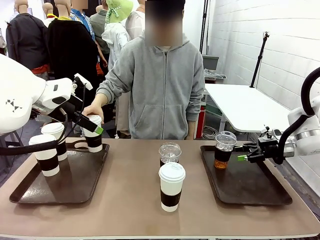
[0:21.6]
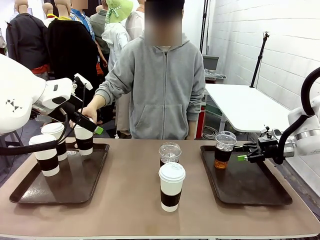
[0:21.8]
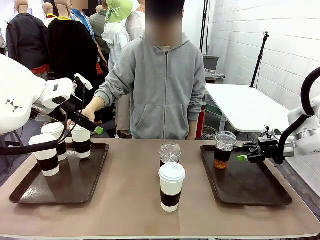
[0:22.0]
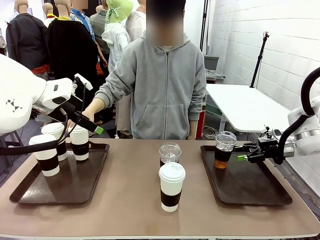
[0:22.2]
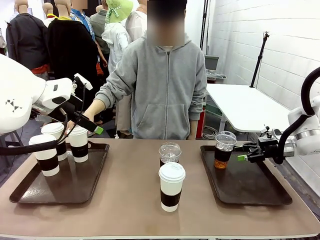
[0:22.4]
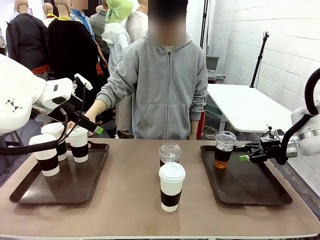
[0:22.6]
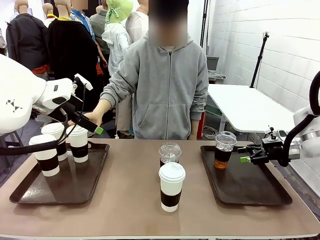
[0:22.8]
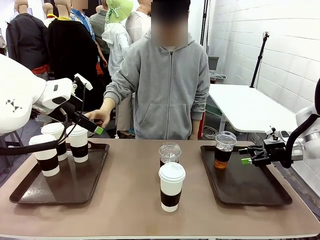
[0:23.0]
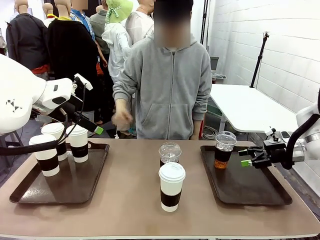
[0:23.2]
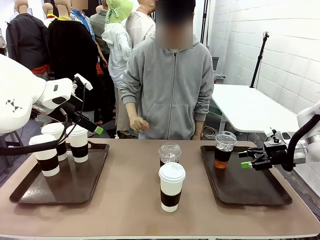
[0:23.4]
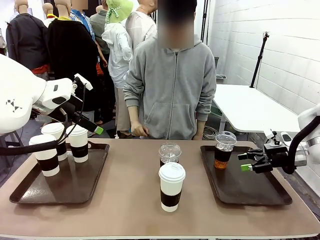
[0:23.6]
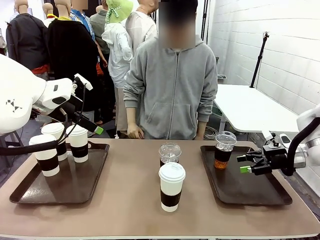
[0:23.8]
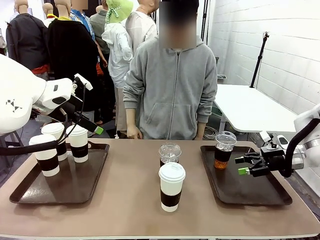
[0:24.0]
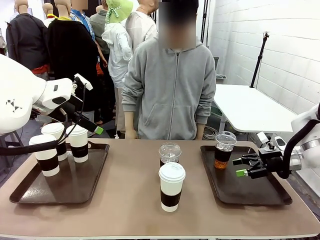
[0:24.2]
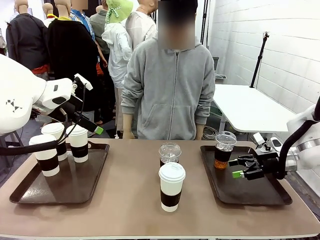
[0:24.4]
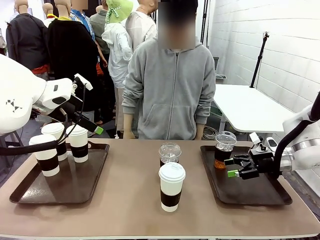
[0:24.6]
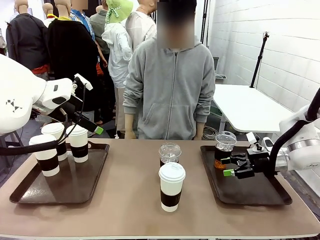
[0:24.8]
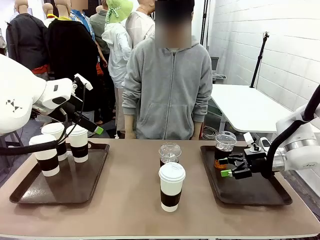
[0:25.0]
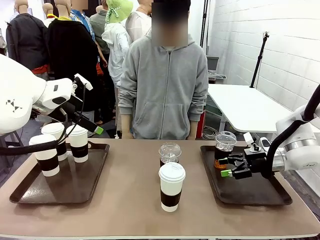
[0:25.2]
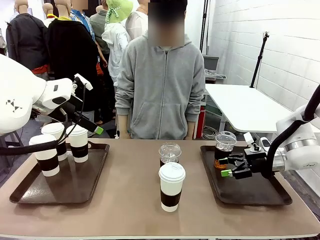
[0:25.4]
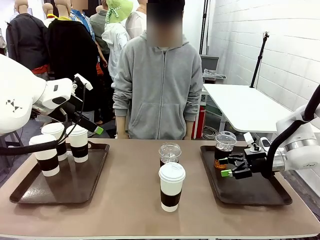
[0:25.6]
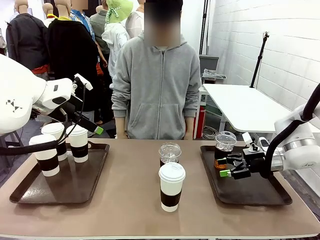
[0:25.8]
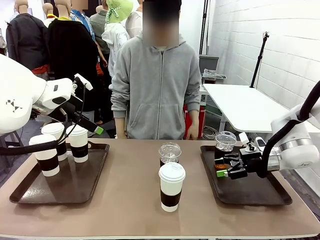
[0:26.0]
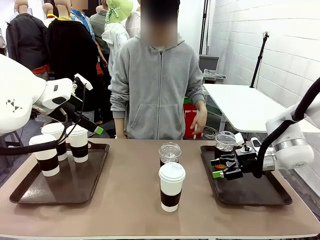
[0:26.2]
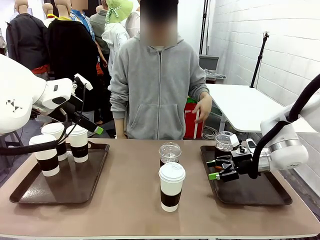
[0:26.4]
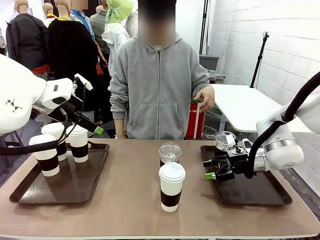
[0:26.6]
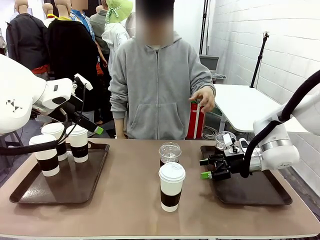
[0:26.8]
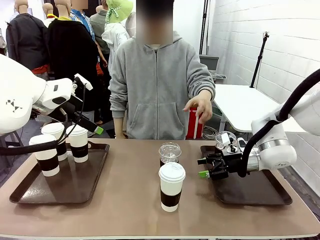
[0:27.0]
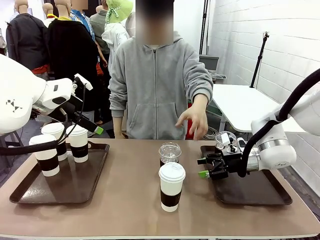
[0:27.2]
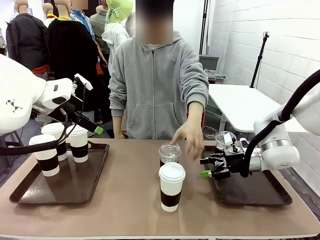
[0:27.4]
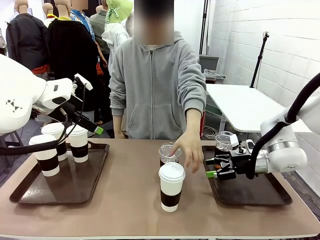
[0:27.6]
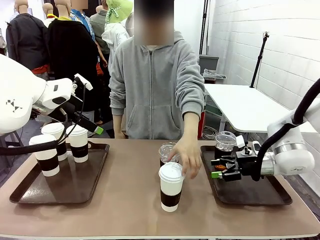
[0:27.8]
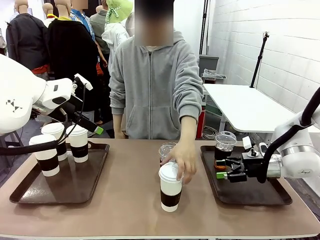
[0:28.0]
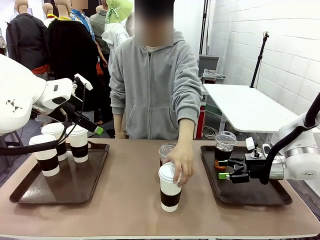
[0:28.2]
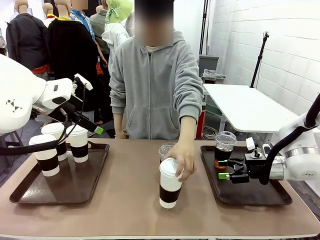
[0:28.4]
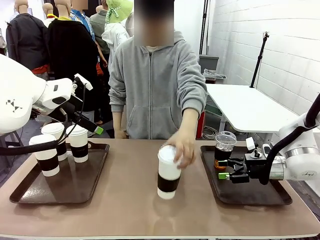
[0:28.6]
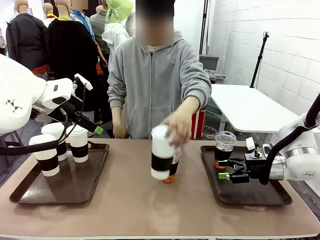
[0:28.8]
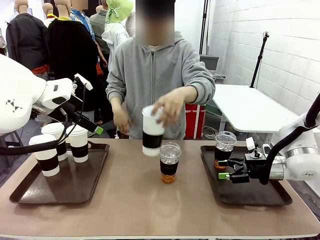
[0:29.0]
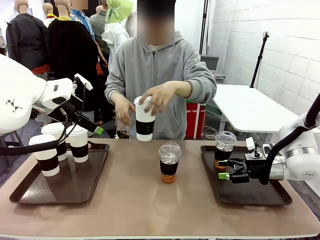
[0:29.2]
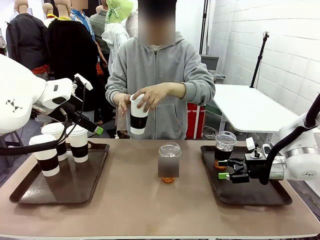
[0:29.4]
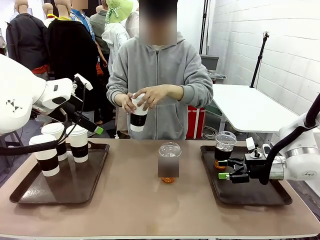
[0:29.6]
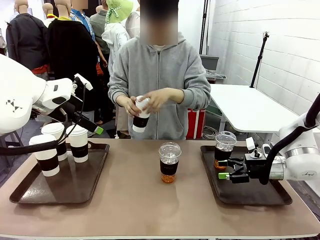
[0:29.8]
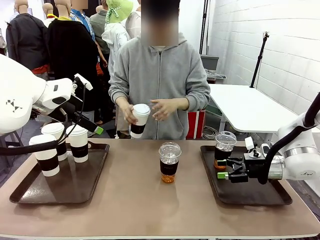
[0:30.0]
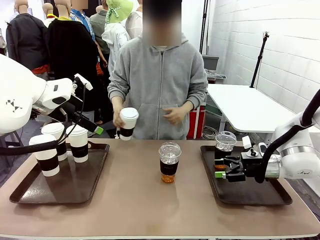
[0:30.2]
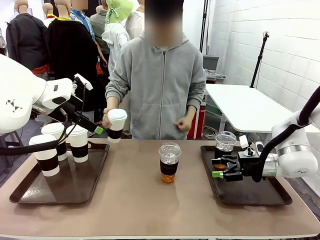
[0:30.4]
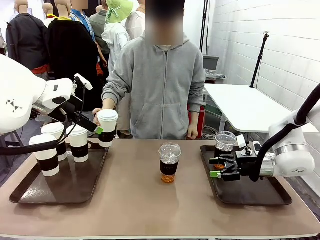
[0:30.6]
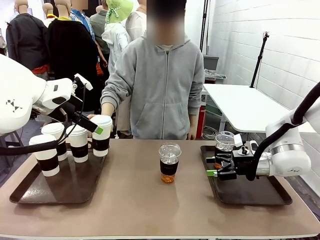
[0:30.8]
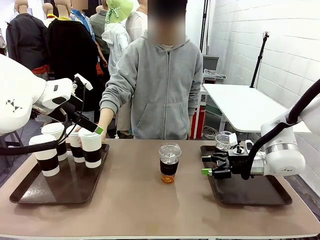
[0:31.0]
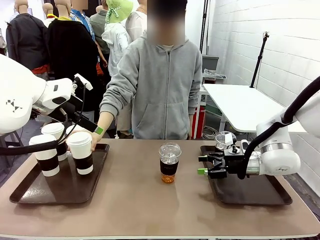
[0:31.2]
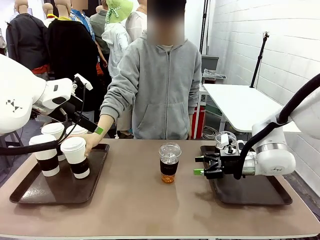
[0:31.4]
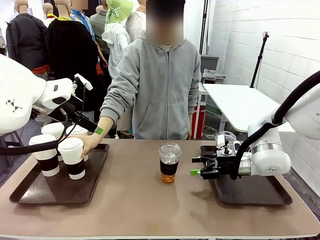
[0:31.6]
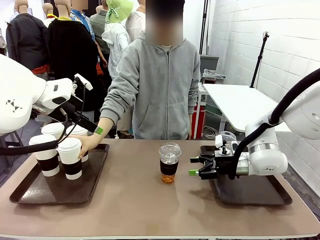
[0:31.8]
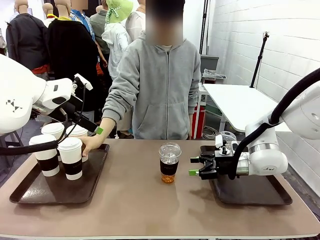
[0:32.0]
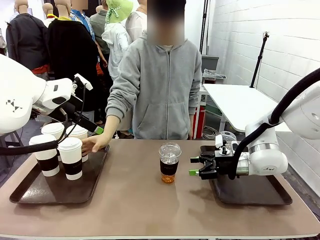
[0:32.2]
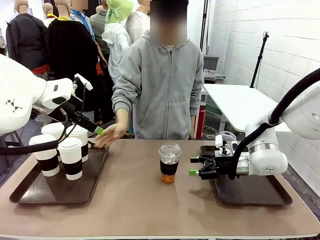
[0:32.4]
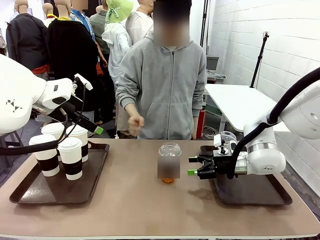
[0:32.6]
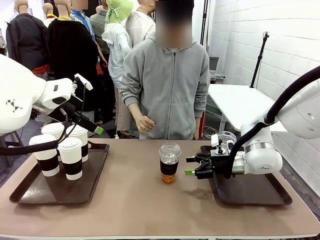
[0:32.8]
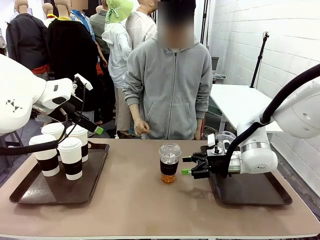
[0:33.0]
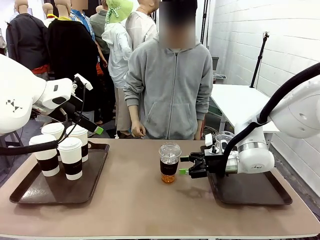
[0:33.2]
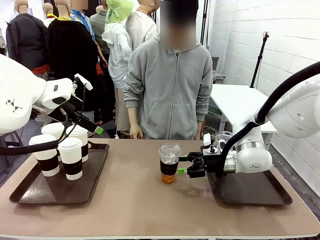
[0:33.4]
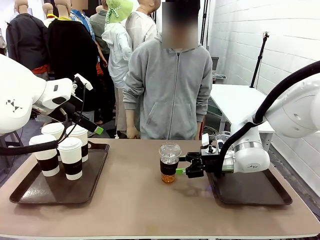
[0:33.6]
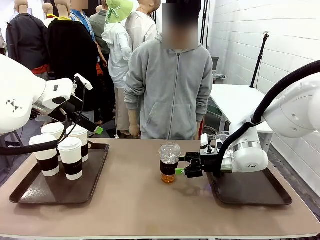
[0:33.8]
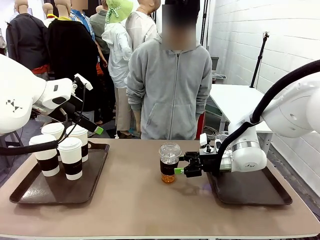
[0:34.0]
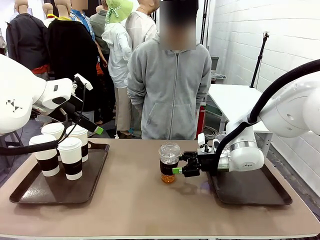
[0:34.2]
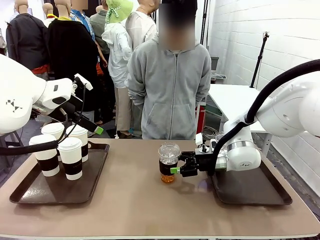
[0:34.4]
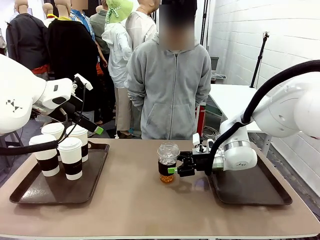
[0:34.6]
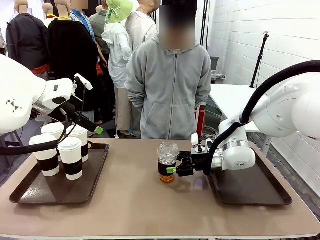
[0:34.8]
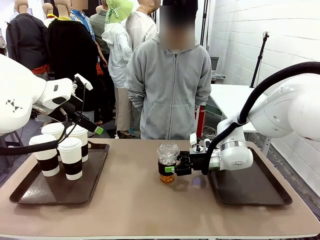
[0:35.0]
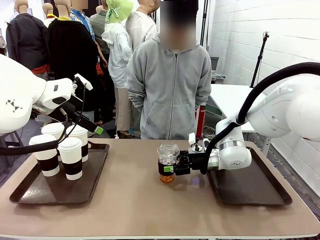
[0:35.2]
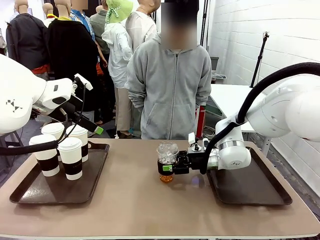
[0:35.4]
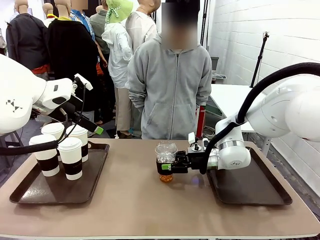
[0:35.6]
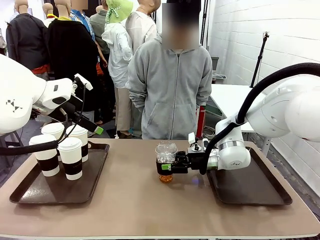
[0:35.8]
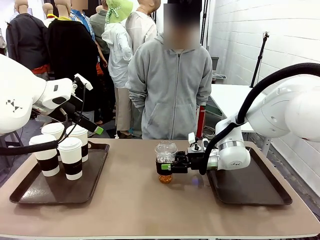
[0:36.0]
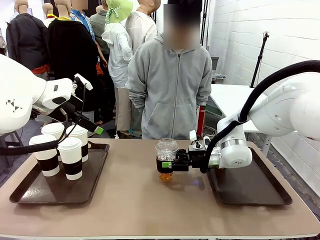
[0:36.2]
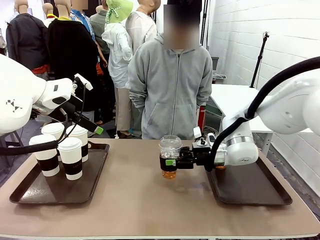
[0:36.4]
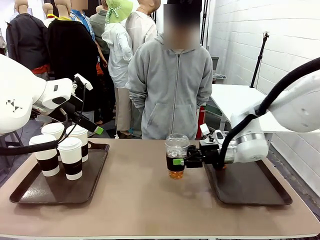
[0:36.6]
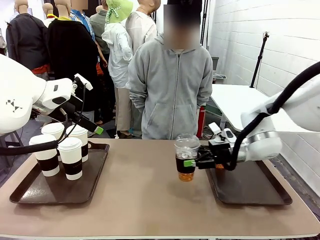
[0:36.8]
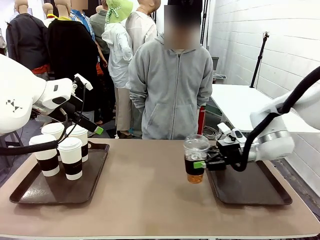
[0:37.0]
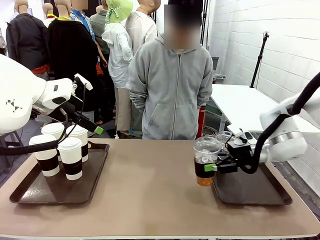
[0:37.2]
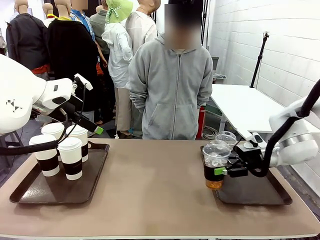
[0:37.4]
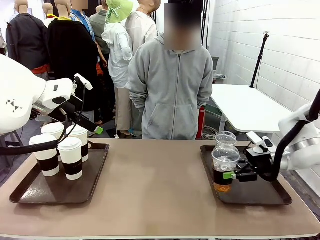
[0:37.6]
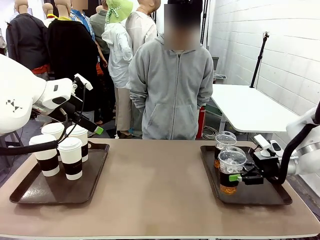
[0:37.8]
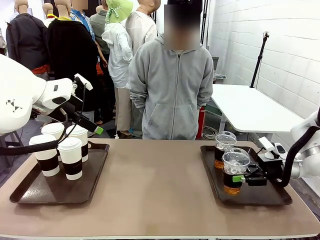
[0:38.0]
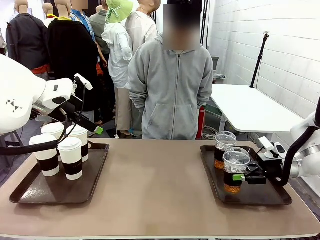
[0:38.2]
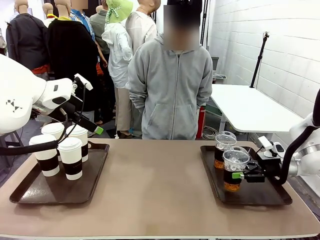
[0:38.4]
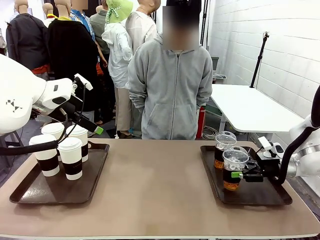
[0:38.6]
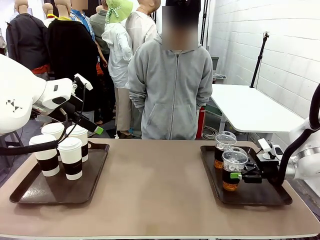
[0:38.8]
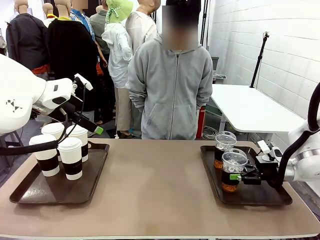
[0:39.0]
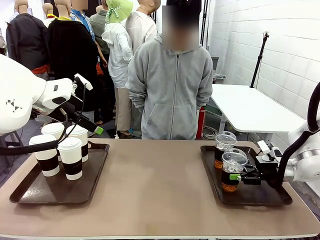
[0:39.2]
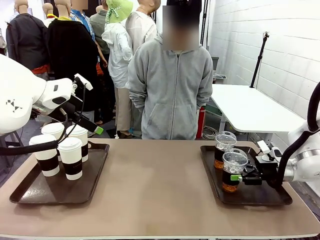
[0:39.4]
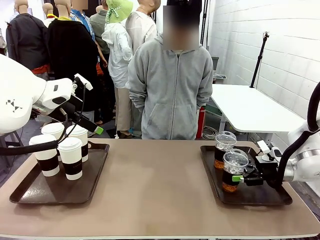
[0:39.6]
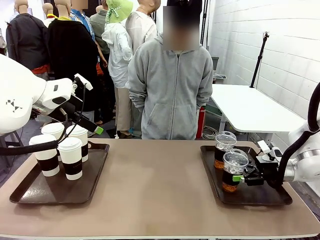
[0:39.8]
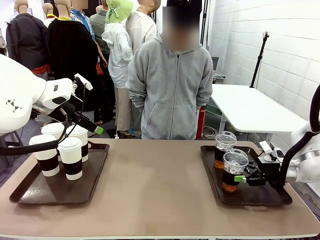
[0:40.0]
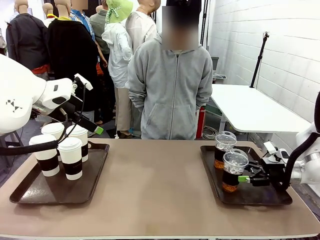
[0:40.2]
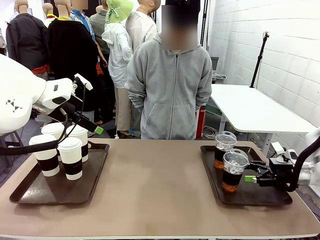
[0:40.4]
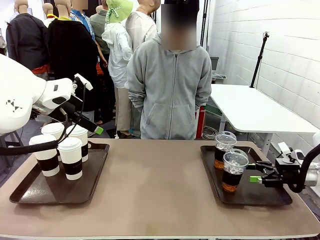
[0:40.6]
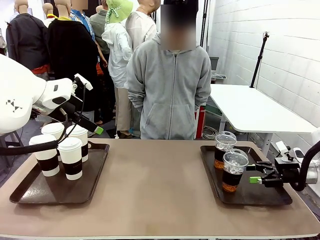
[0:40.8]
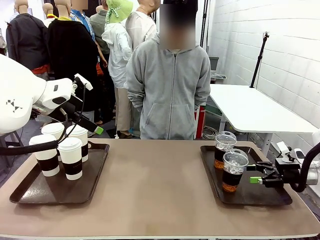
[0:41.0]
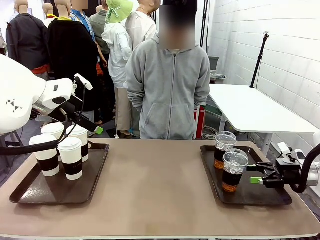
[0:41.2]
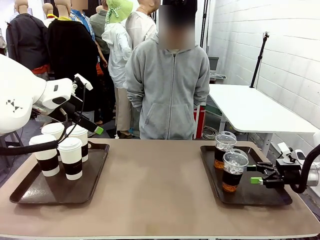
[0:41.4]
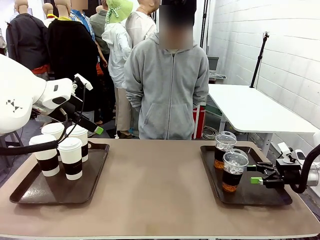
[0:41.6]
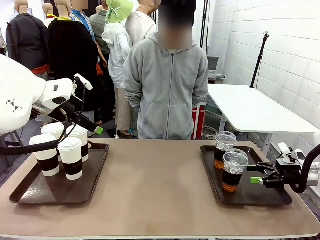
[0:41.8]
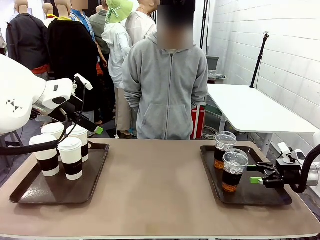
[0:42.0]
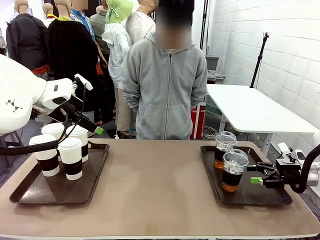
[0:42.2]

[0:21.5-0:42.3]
Task: Distribute the coffee onto the tray.
Robot: Pick up another iced Americano from the middle of the table and place it on the right Handle tray.
Person: Pick up a cup of hot Americano from the middle of the table and place it on the right tray.
